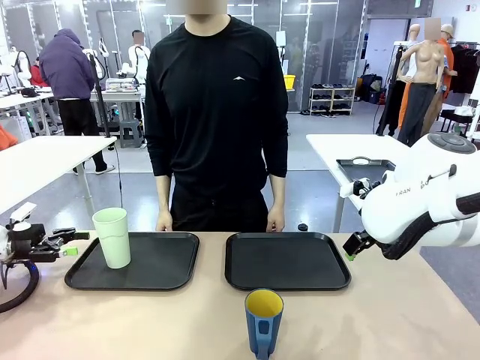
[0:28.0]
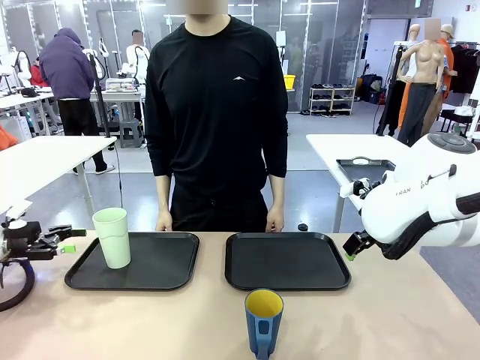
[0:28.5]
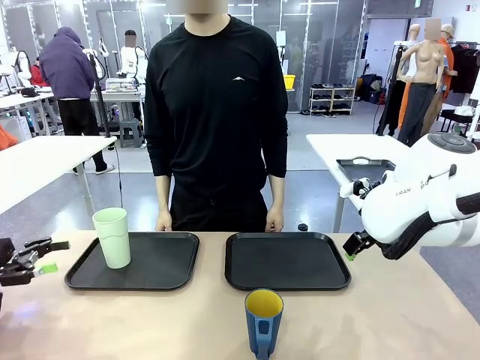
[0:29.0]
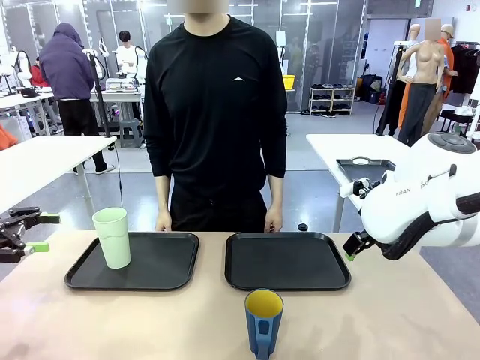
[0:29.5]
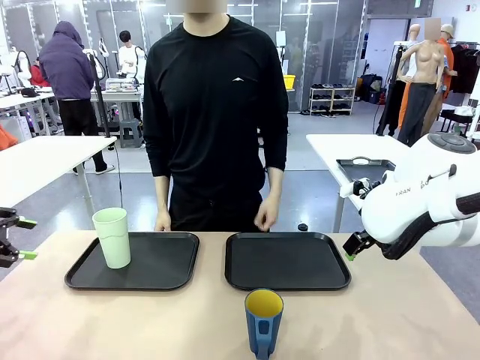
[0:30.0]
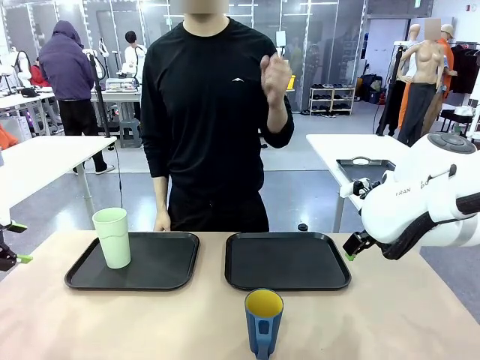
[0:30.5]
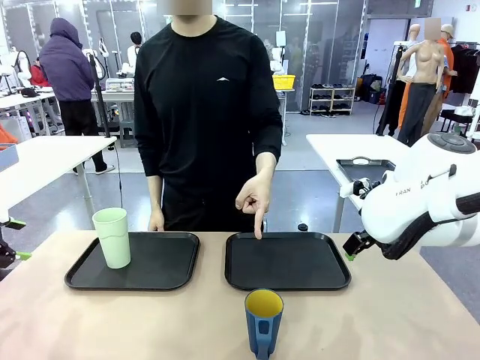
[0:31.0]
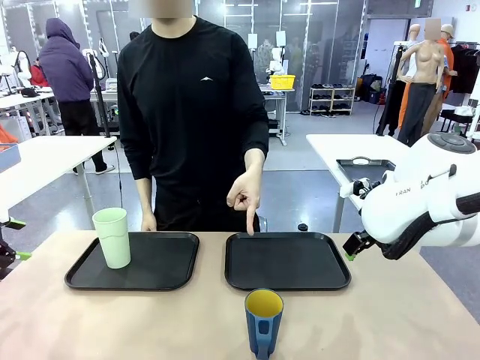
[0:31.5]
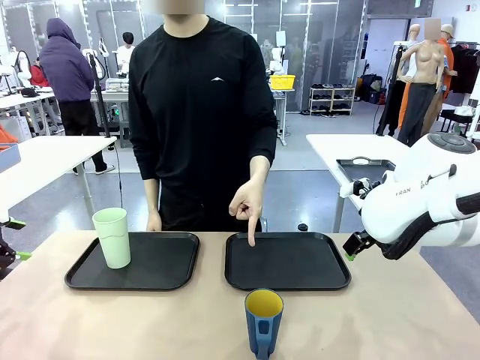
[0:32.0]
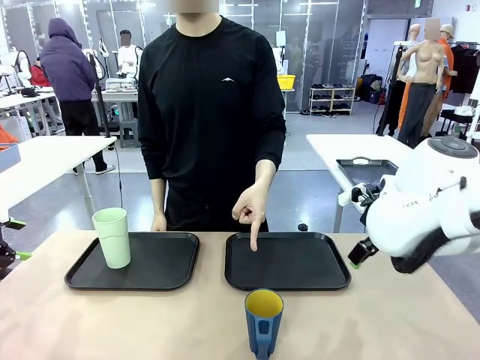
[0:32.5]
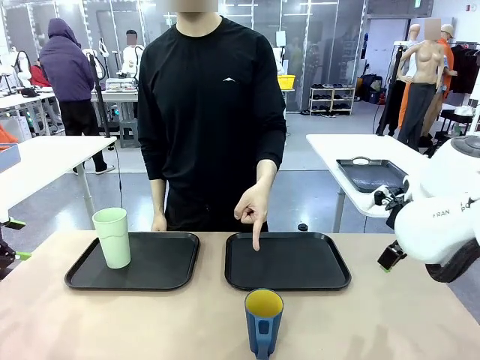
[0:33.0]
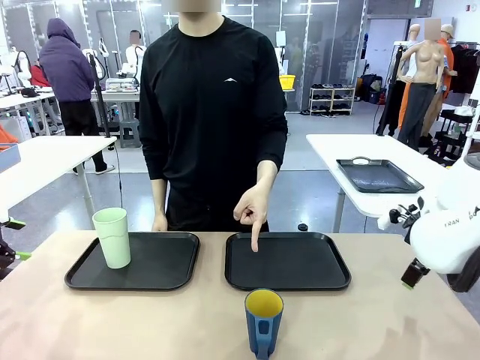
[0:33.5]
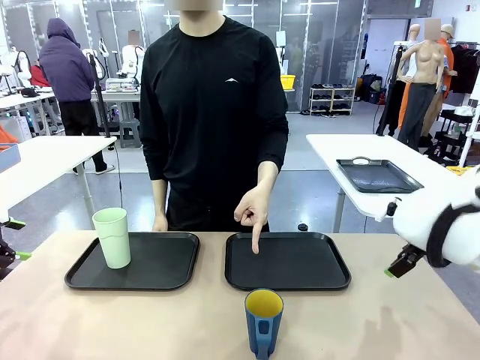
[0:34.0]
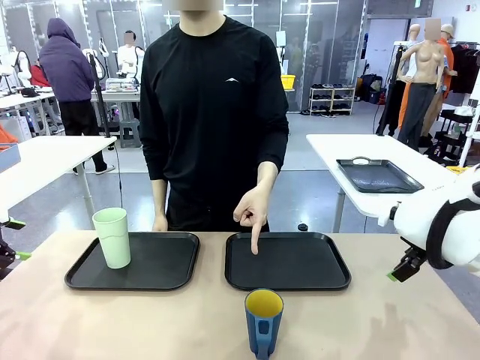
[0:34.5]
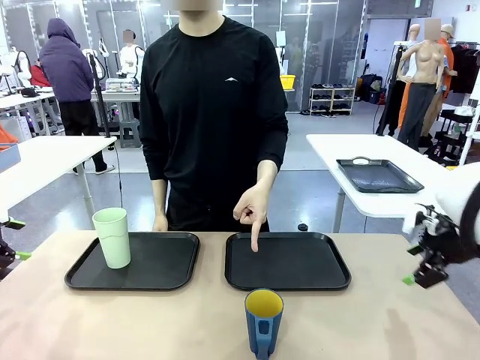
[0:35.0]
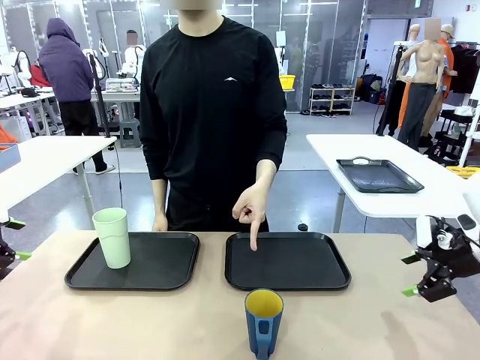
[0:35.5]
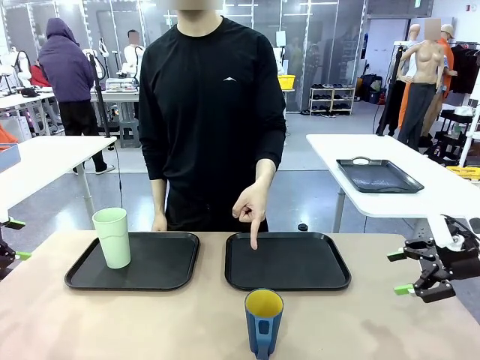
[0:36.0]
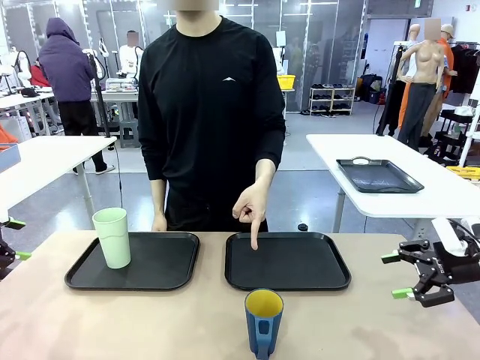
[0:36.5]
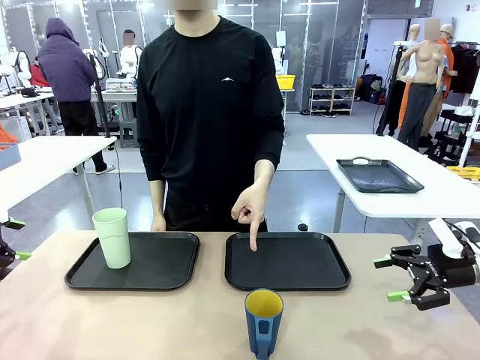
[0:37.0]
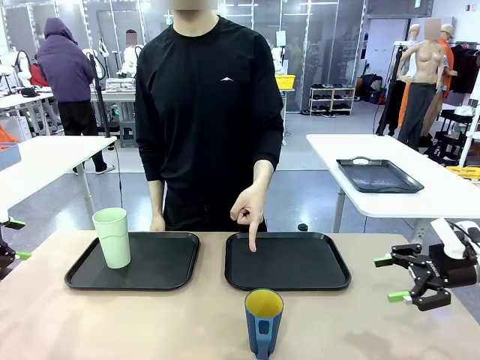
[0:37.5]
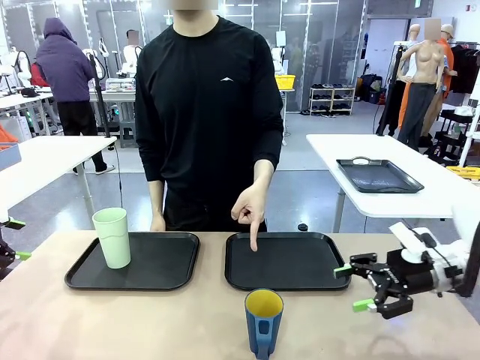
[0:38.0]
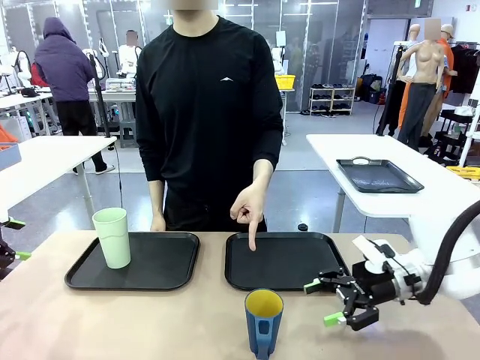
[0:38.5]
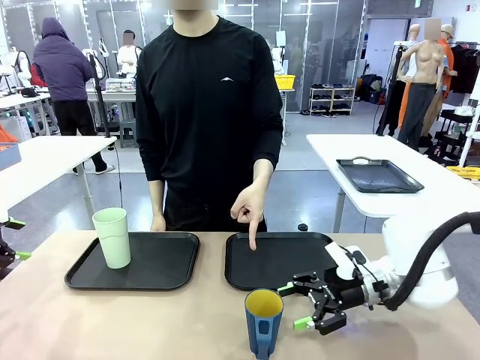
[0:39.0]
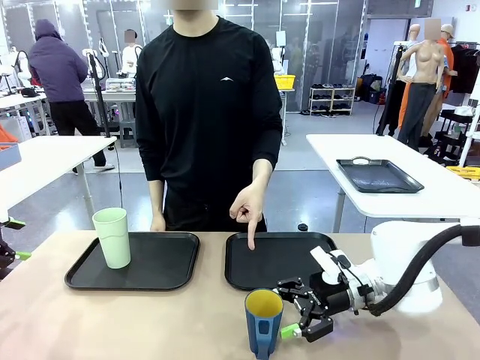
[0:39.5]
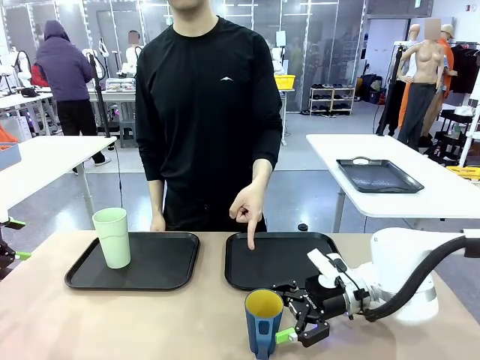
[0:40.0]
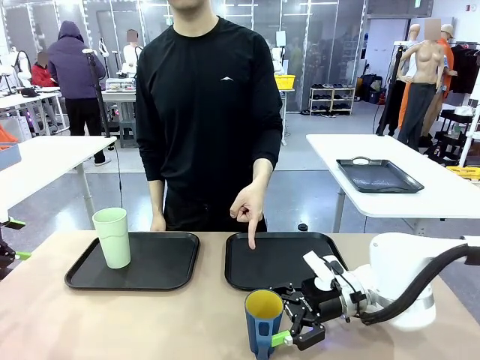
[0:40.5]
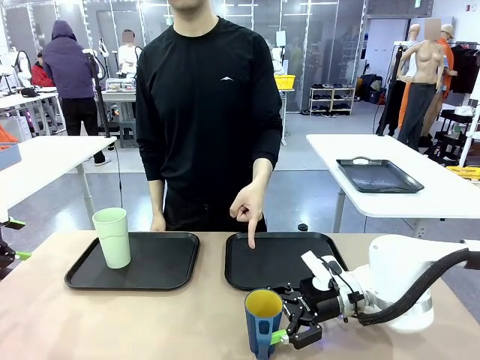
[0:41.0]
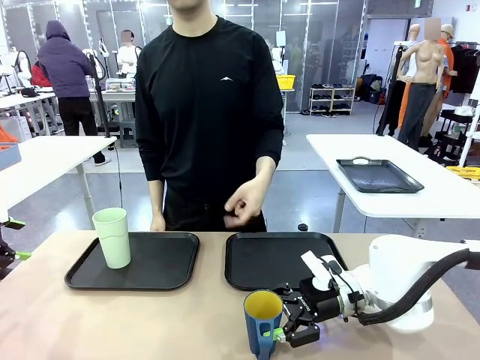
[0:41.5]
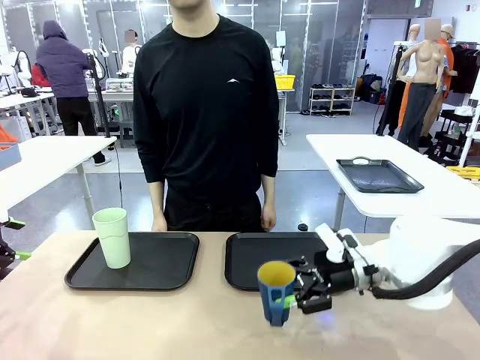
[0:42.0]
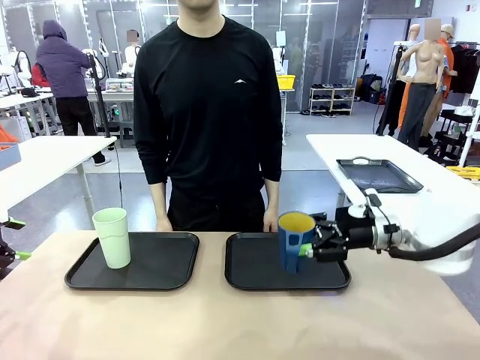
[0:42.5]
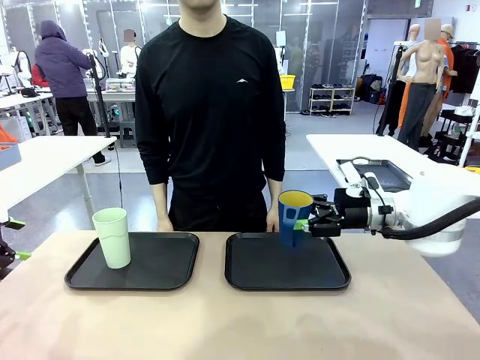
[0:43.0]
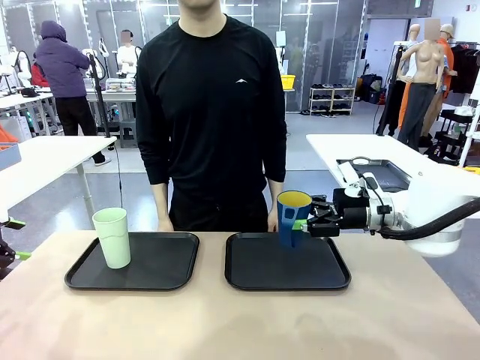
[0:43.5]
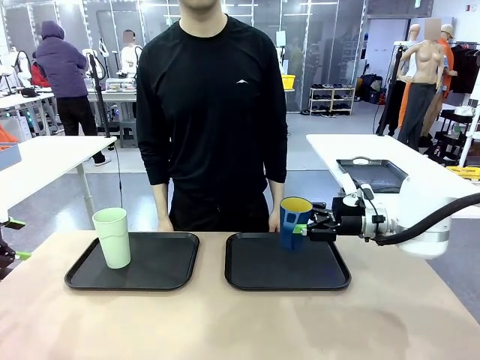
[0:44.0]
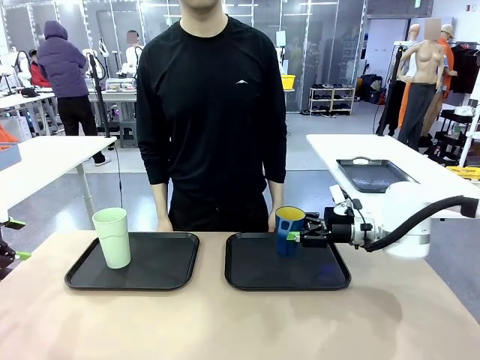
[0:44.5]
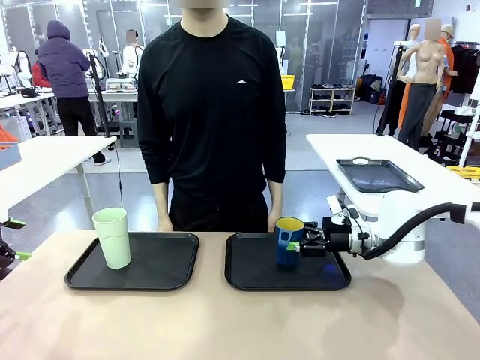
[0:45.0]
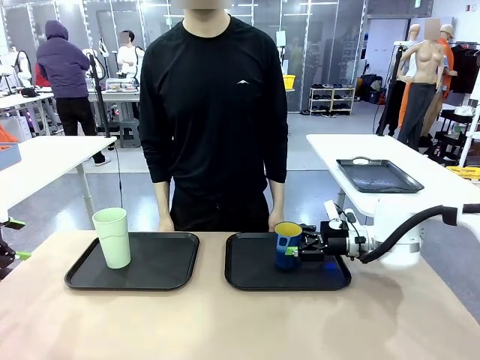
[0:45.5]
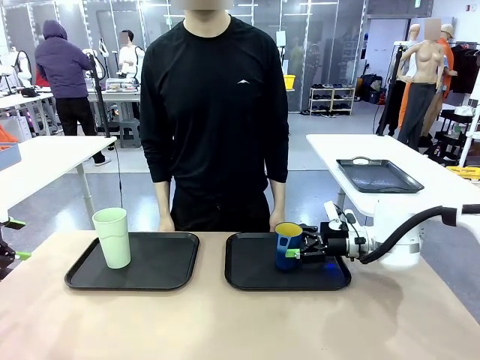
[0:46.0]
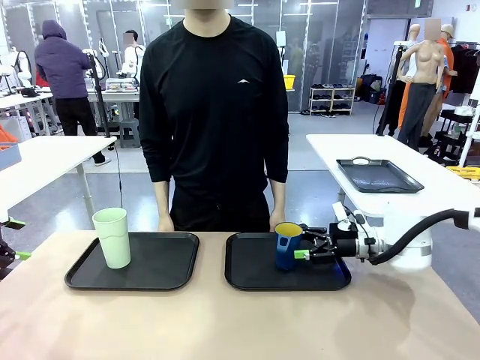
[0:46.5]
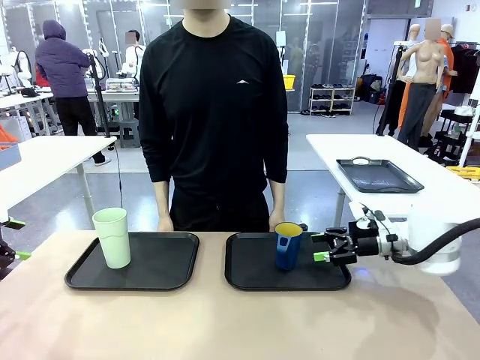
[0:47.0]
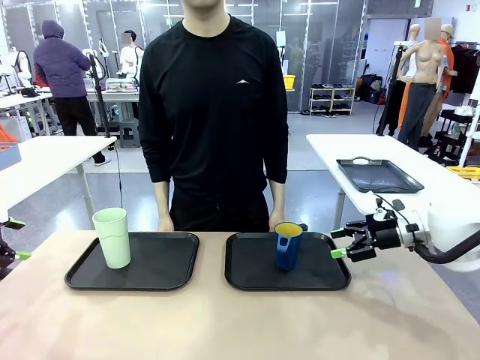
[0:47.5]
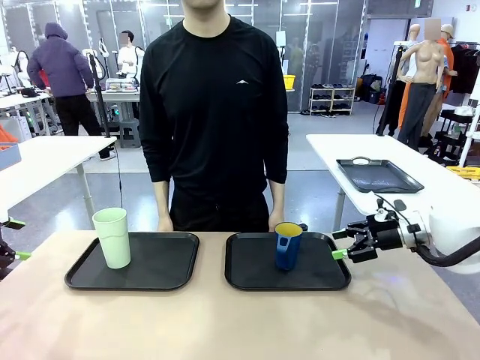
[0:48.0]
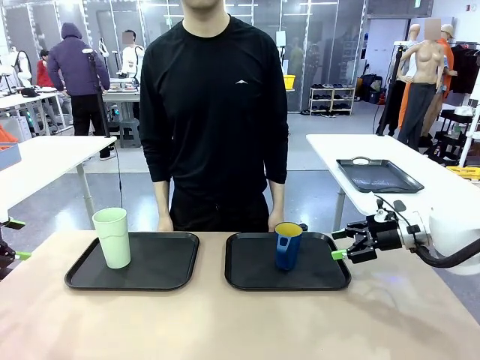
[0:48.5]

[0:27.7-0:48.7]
Task: Sort and store the cups by type.
Robot: Pick up the Handle plastic cup and place it into the empty Flat Tray.
Person: Points to the cup with a handle.
